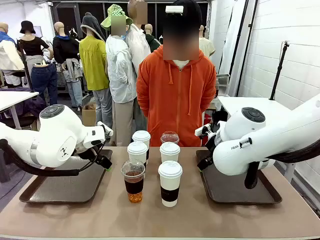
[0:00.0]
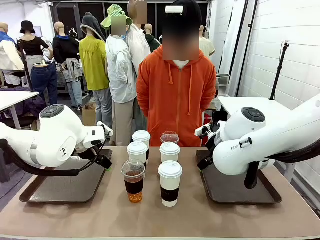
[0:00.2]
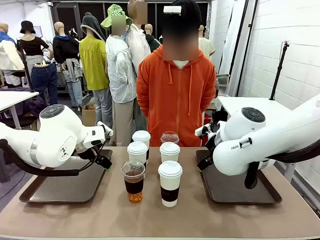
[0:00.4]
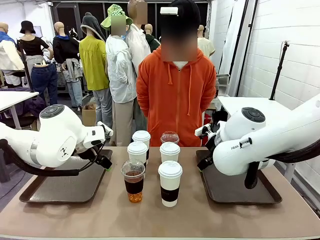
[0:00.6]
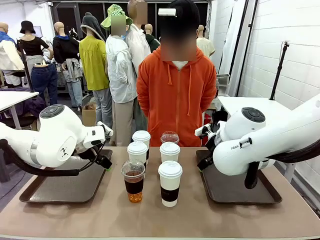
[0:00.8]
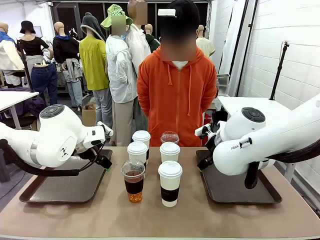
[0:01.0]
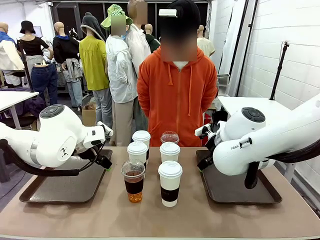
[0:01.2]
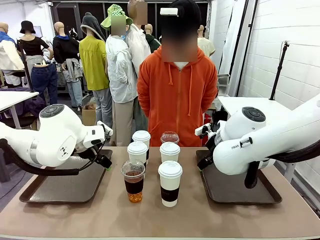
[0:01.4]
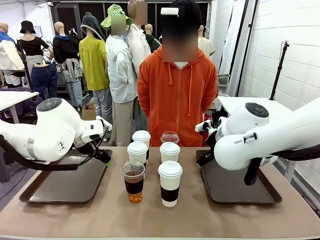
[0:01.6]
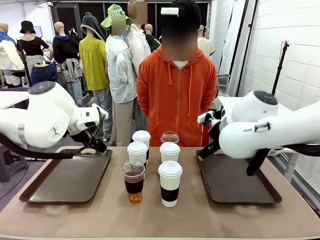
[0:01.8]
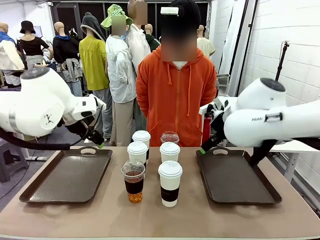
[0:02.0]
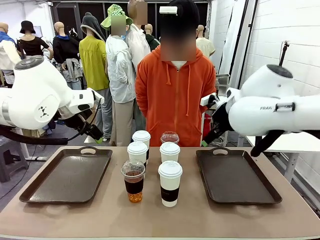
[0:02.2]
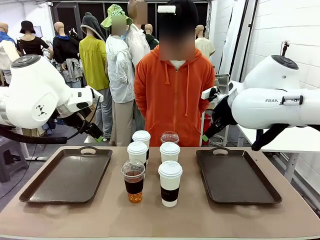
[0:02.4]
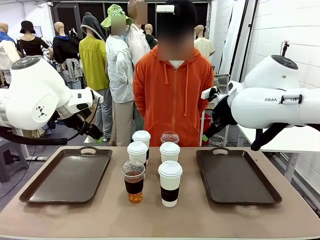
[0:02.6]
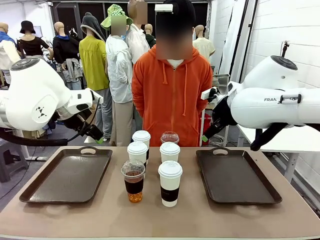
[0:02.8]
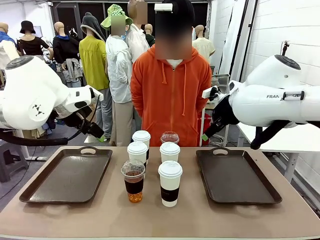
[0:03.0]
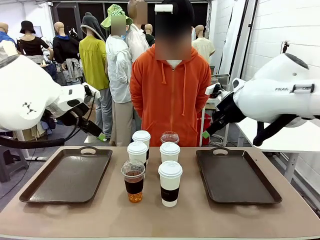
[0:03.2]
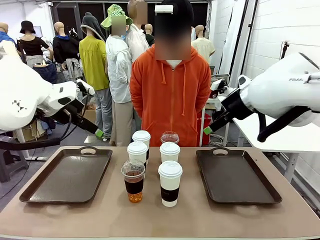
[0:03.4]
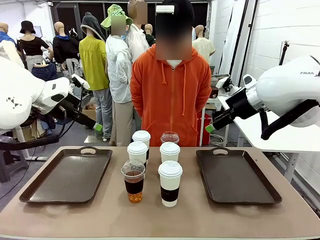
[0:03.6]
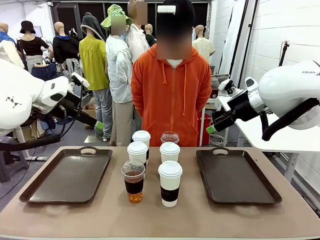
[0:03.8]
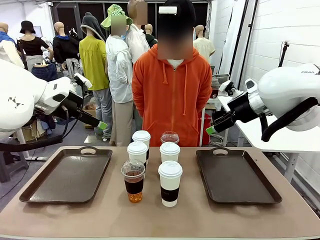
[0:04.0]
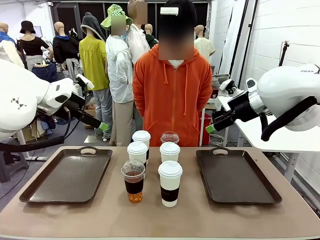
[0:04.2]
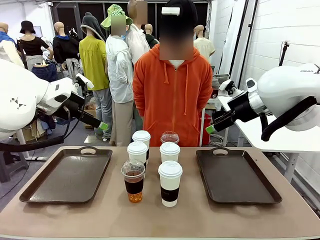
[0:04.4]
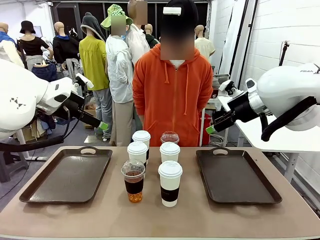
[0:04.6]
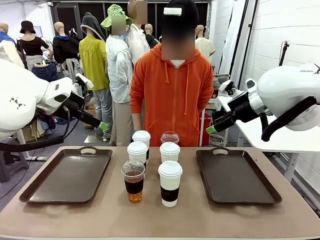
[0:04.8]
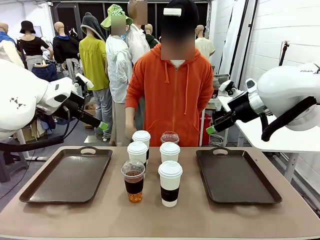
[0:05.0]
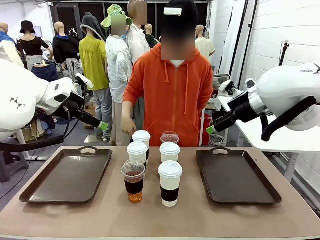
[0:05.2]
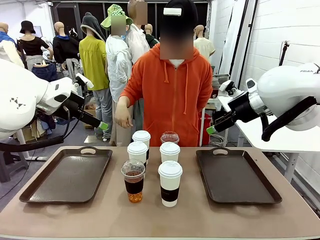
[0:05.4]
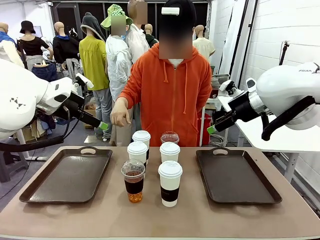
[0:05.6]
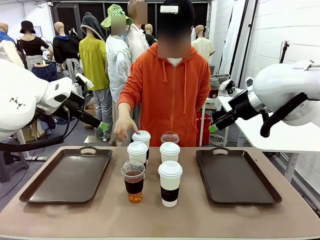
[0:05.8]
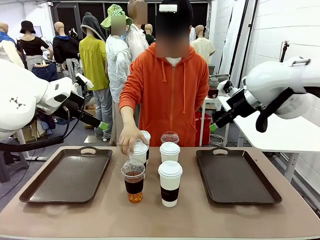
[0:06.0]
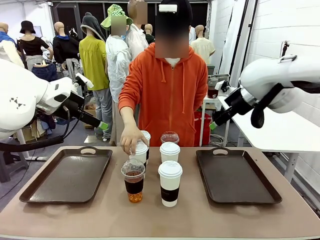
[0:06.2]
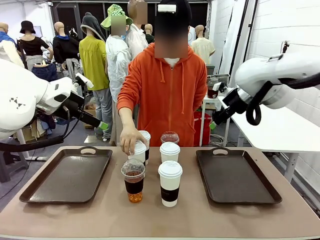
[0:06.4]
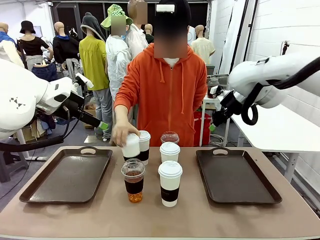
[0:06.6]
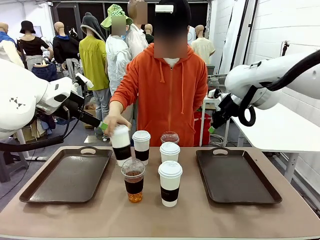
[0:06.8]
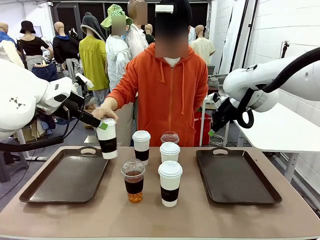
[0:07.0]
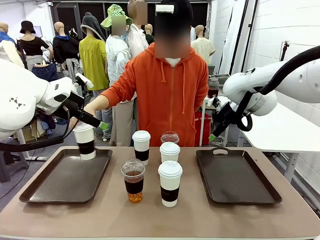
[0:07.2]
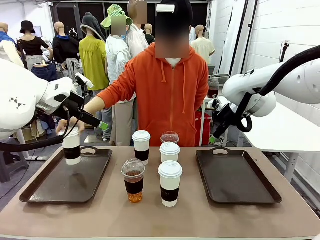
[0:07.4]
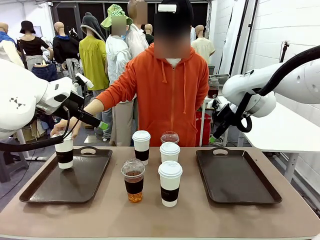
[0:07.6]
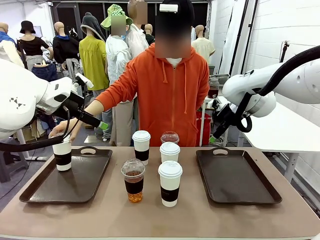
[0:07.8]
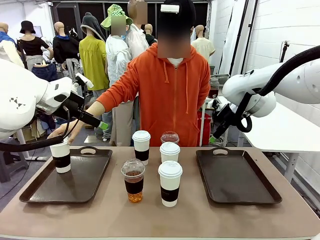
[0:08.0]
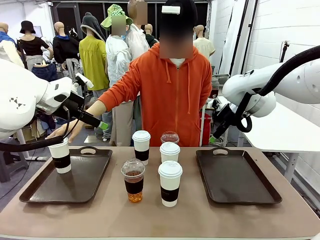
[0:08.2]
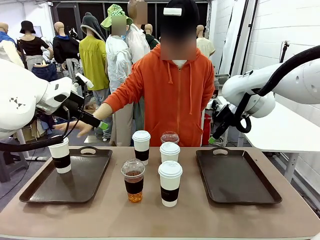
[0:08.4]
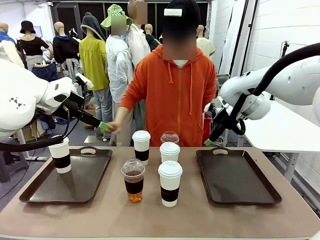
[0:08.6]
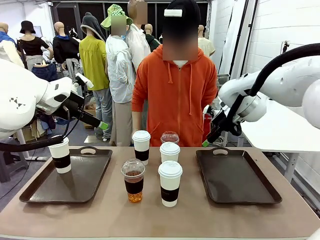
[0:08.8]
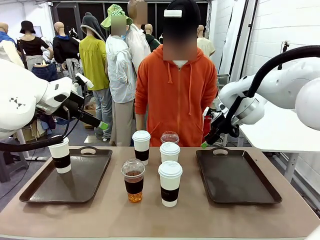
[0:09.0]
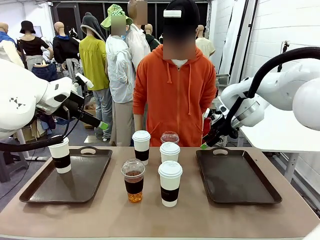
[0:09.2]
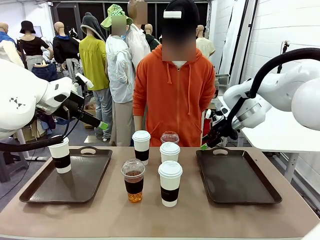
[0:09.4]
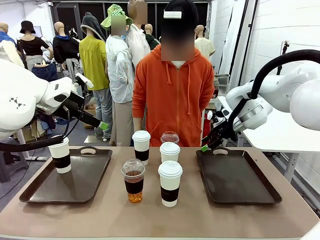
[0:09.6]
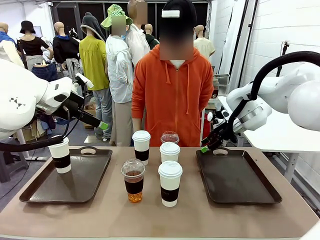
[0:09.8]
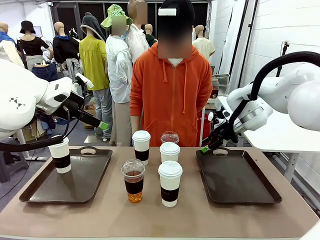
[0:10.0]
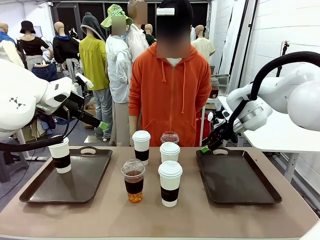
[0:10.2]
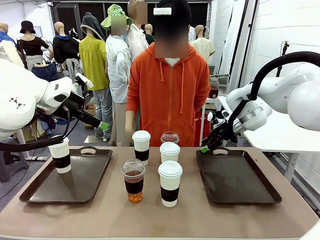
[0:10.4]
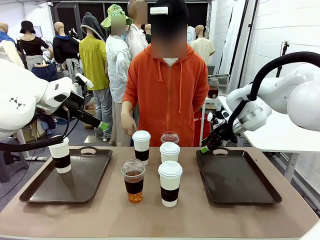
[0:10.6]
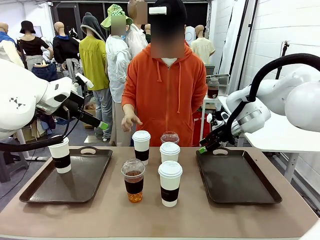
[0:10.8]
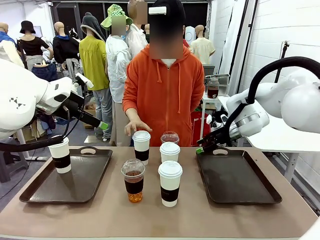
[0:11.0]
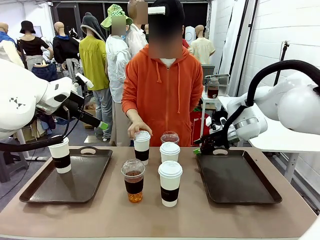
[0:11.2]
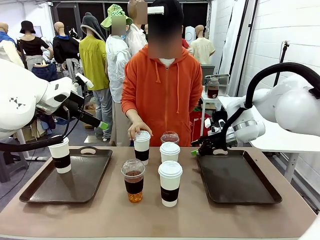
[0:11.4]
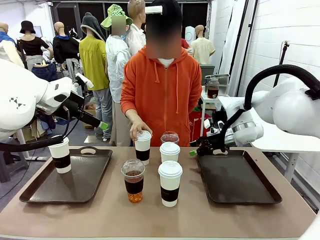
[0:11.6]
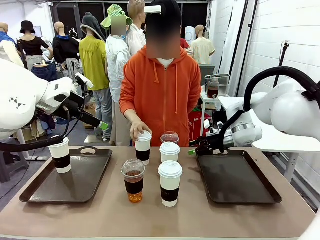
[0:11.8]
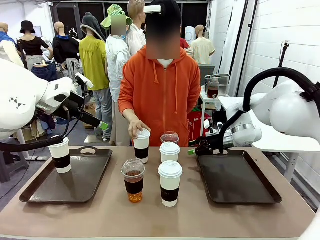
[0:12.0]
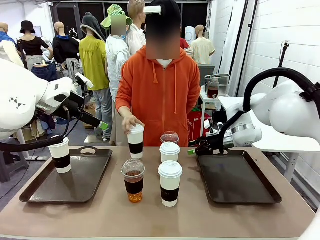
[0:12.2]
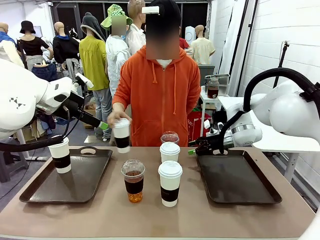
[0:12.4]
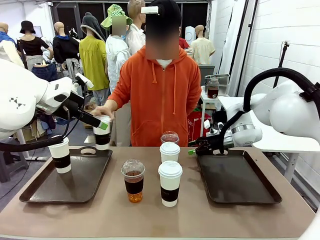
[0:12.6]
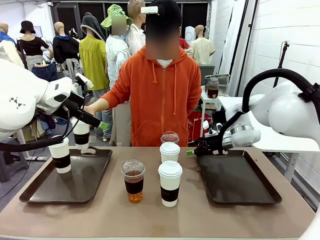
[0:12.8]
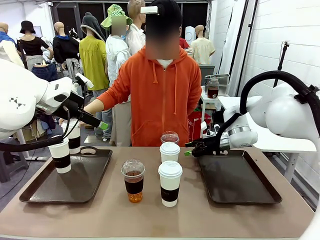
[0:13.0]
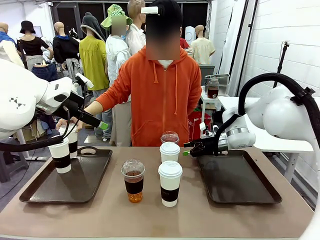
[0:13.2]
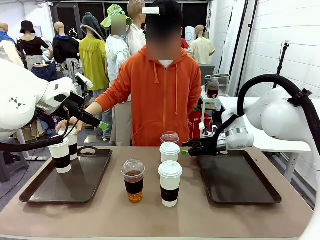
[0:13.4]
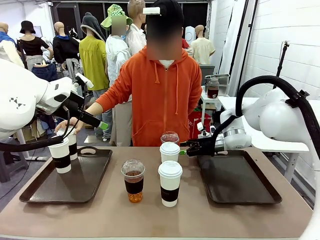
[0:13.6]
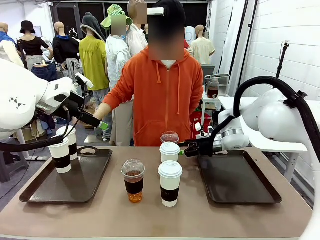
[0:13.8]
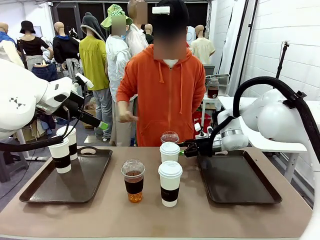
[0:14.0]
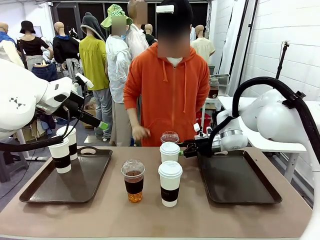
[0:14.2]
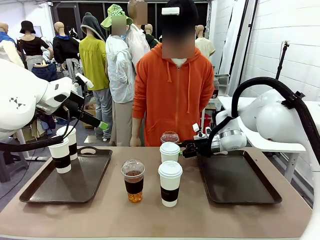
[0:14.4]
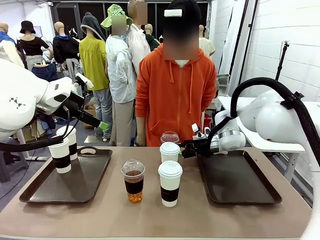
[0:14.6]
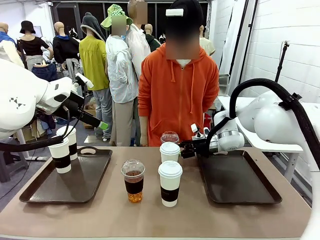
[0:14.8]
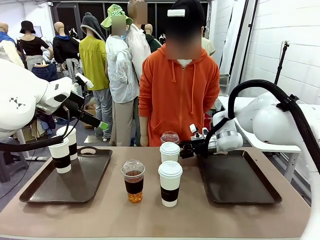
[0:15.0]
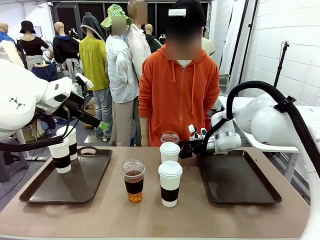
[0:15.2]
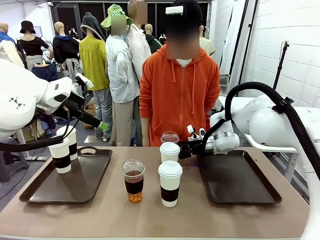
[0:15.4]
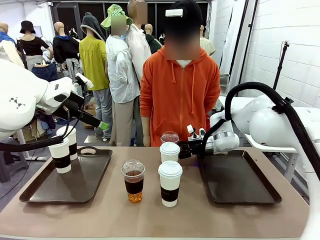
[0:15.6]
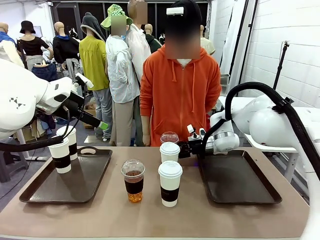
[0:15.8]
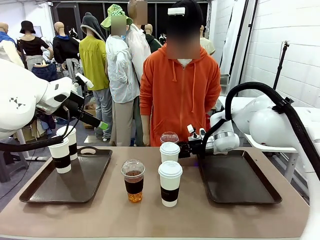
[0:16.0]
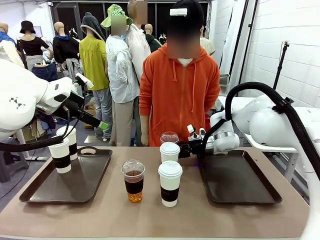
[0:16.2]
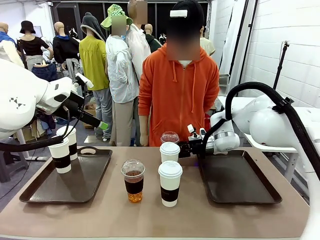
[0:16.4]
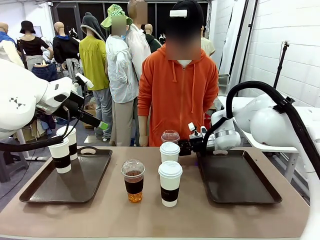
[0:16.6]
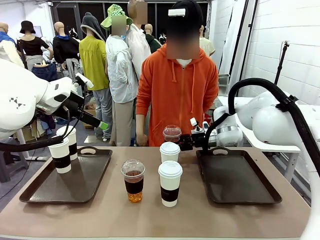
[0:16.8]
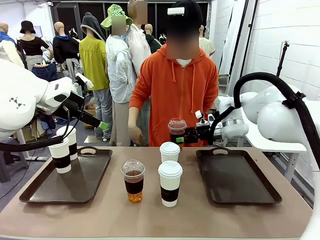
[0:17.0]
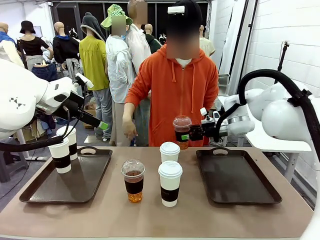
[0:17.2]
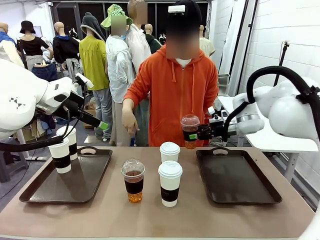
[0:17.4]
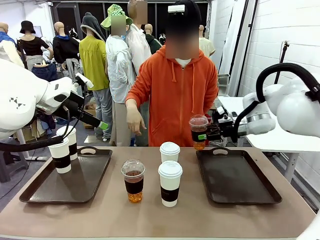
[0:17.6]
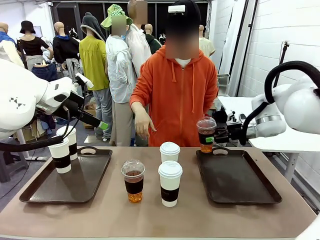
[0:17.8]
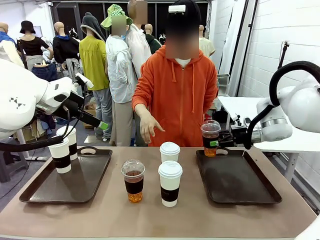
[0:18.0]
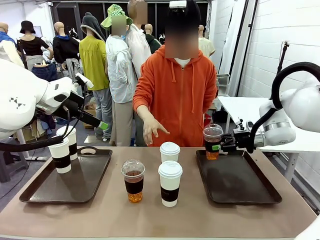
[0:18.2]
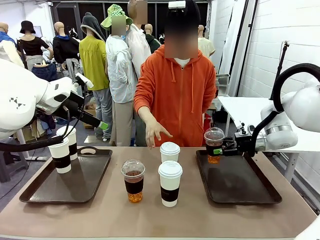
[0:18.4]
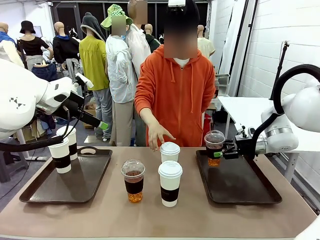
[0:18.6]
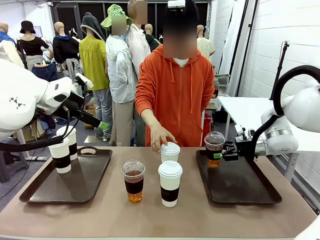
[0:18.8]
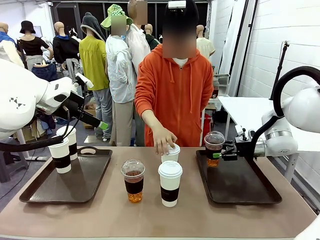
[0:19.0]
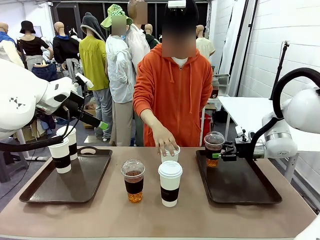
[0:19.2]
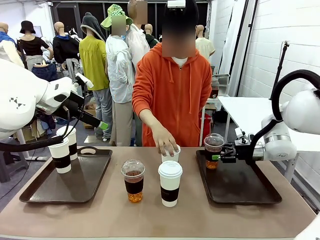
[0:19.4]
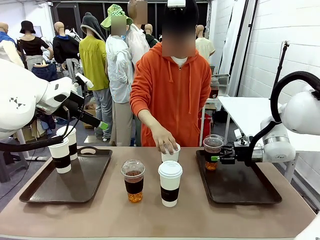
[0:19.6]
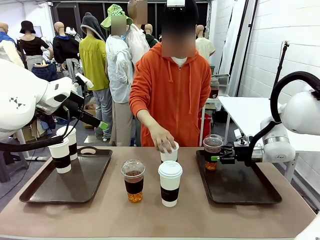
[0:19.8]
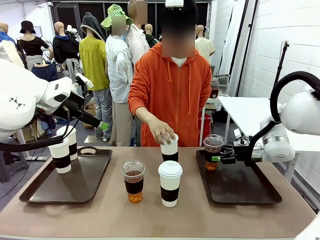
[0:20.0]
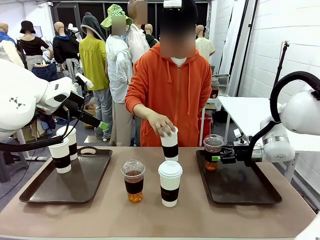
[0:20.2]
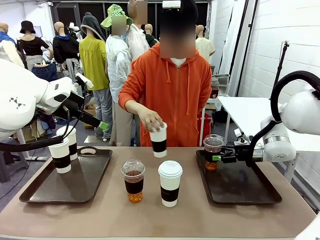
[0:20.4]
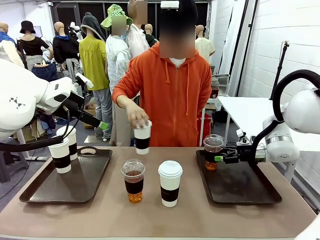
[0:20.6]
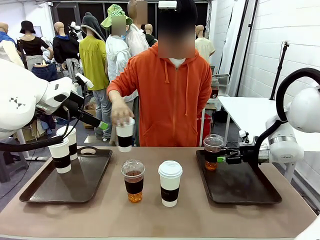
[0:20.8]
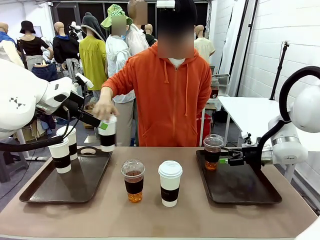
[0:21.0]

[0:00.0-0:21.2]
Task: Distribute the coffee onto the tray.
Robot: Pick up one iced Americano and place it on the right Handle tray.
Person: Pick up a cup of hot Americano and place it on the right tray.
